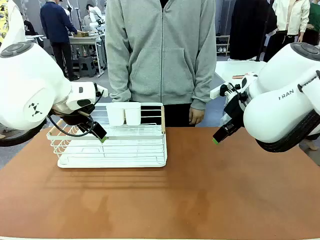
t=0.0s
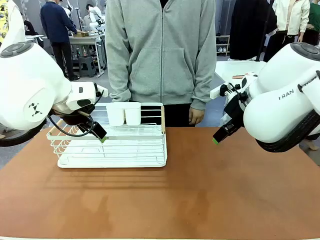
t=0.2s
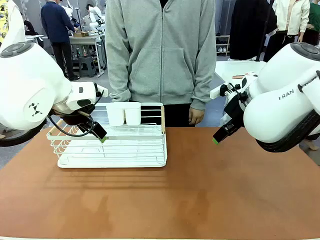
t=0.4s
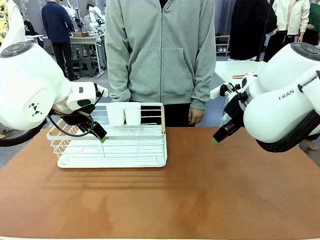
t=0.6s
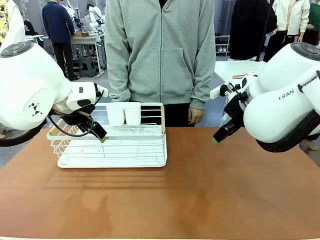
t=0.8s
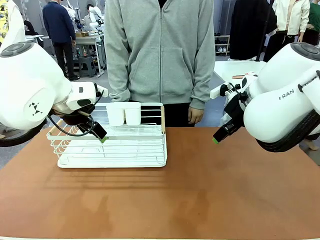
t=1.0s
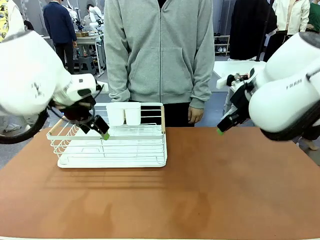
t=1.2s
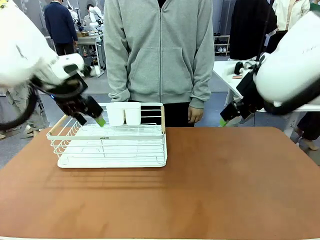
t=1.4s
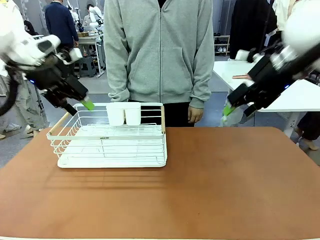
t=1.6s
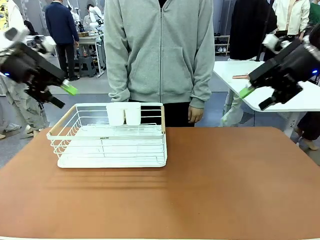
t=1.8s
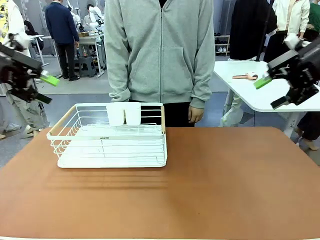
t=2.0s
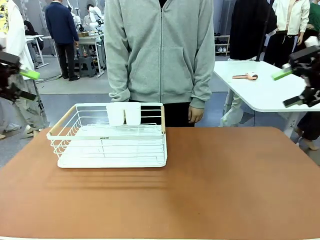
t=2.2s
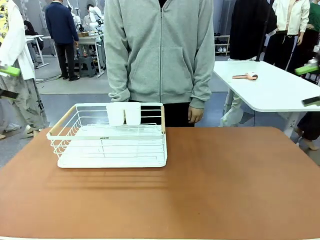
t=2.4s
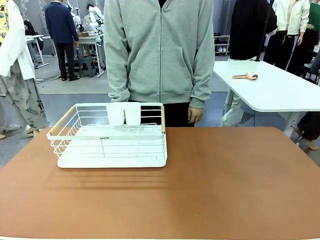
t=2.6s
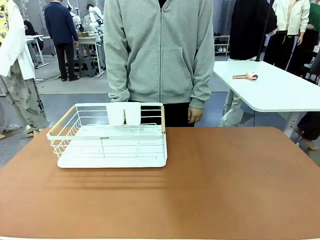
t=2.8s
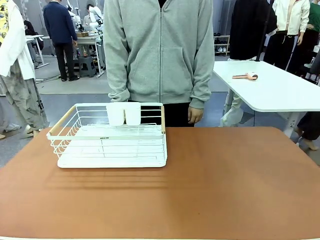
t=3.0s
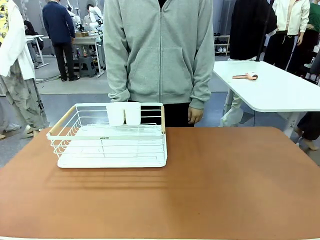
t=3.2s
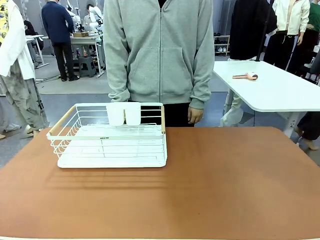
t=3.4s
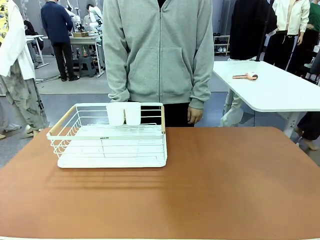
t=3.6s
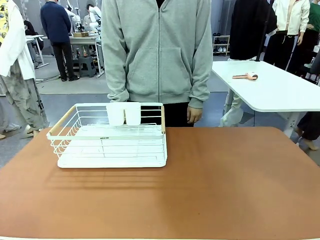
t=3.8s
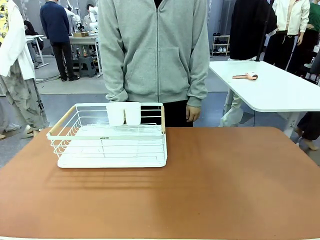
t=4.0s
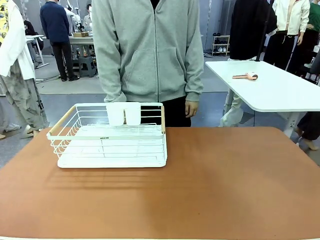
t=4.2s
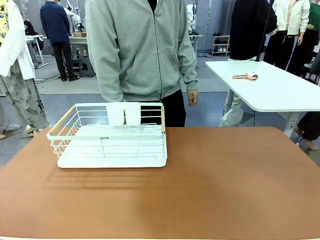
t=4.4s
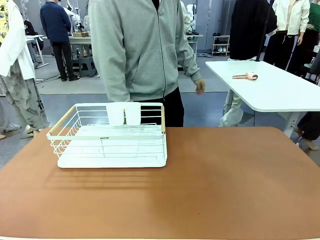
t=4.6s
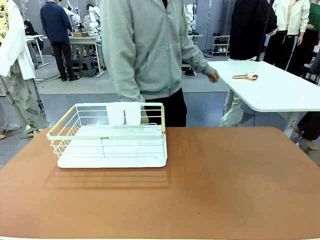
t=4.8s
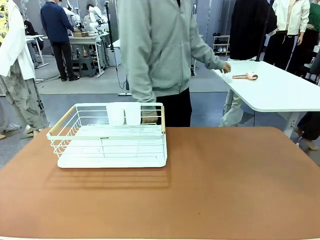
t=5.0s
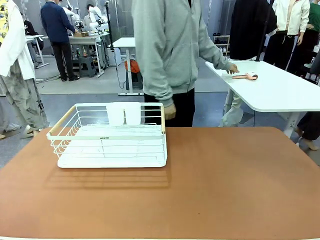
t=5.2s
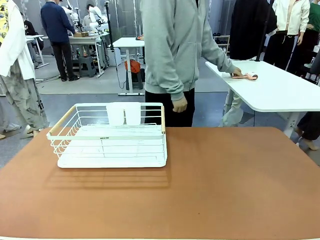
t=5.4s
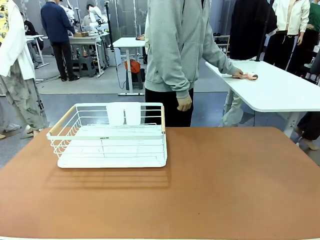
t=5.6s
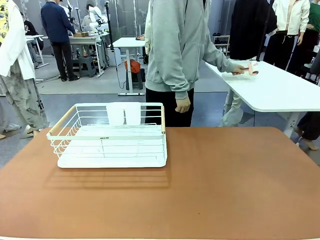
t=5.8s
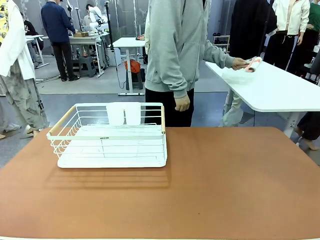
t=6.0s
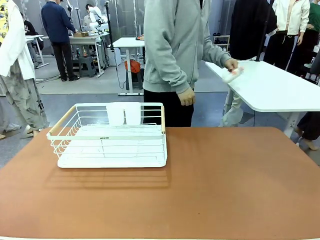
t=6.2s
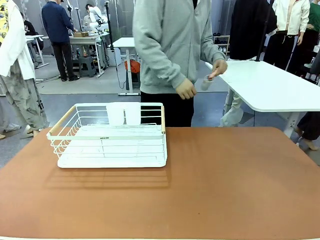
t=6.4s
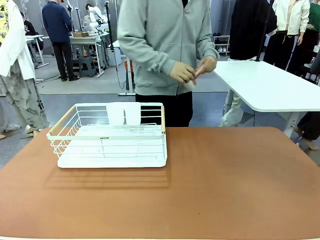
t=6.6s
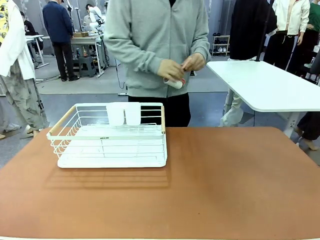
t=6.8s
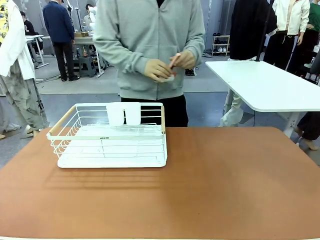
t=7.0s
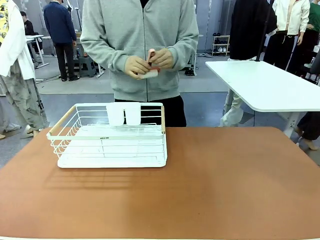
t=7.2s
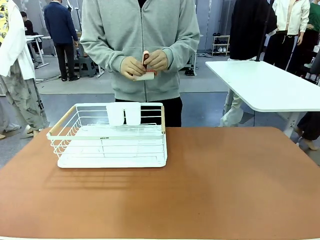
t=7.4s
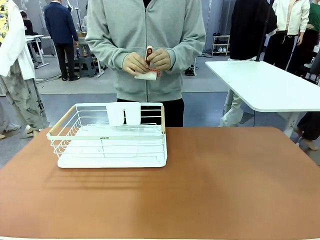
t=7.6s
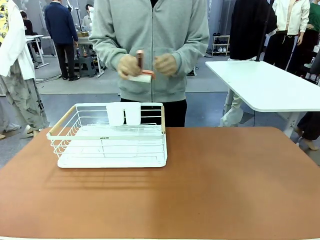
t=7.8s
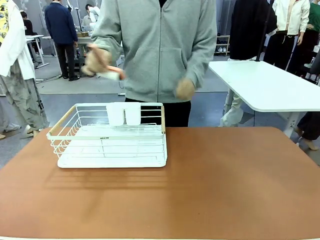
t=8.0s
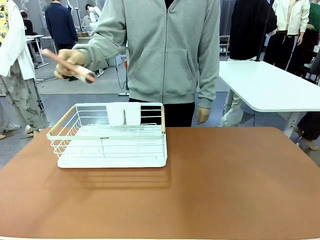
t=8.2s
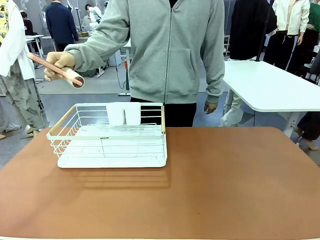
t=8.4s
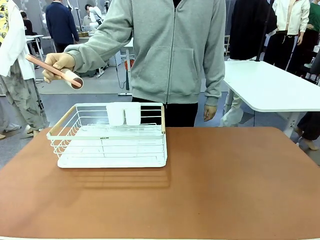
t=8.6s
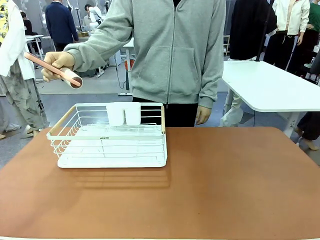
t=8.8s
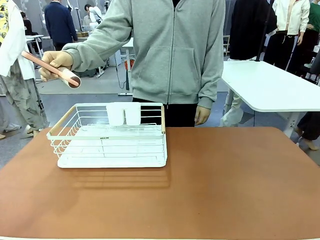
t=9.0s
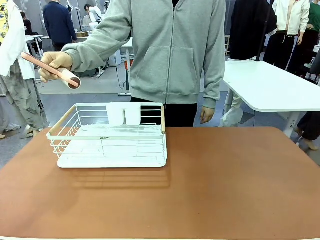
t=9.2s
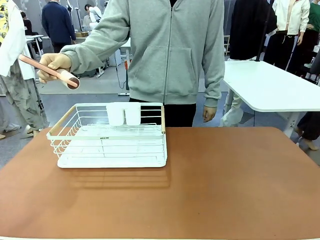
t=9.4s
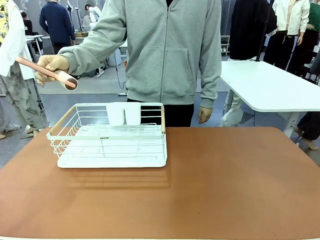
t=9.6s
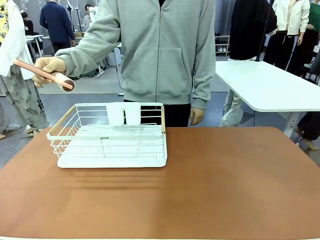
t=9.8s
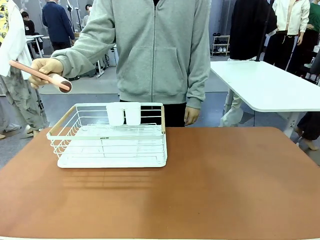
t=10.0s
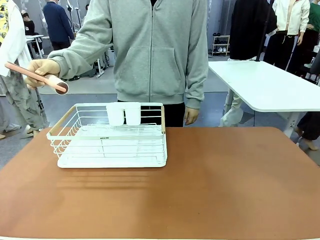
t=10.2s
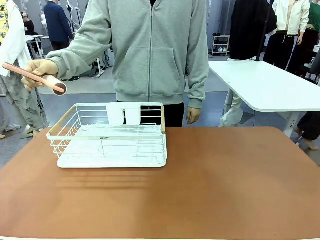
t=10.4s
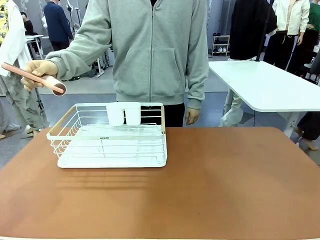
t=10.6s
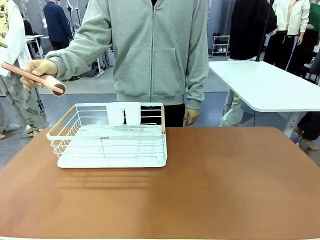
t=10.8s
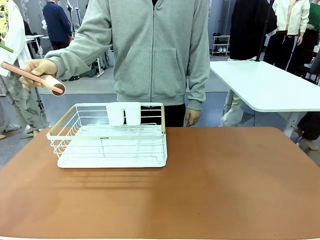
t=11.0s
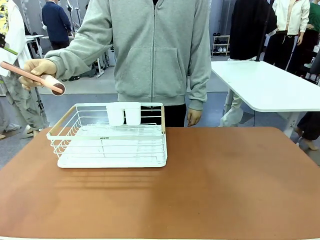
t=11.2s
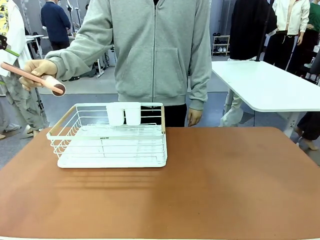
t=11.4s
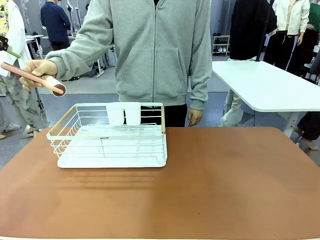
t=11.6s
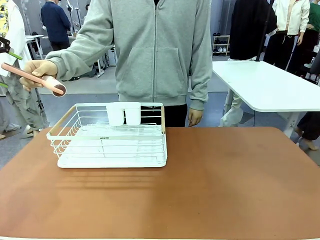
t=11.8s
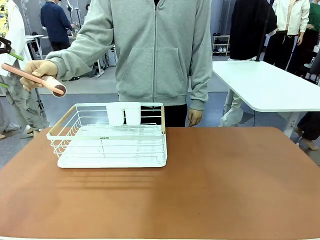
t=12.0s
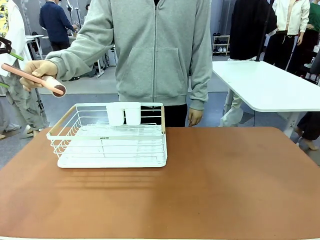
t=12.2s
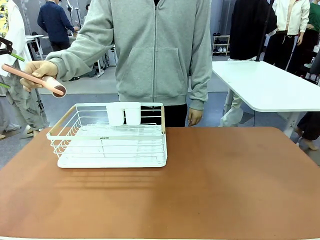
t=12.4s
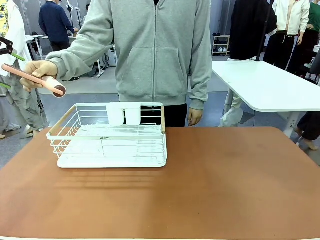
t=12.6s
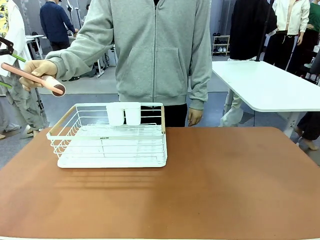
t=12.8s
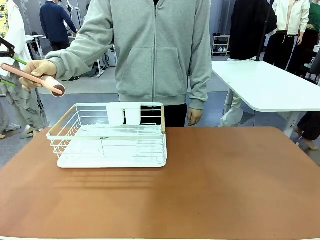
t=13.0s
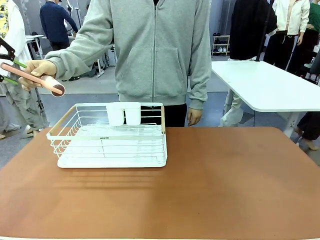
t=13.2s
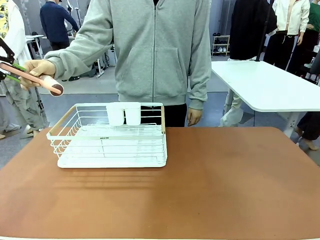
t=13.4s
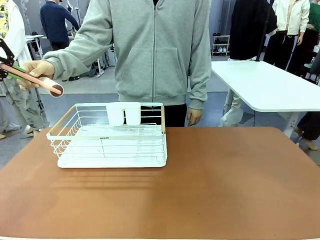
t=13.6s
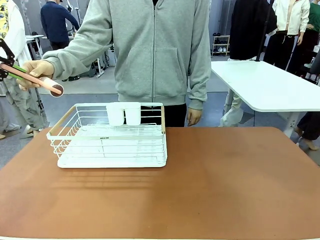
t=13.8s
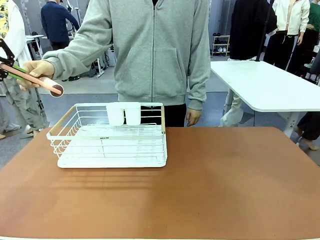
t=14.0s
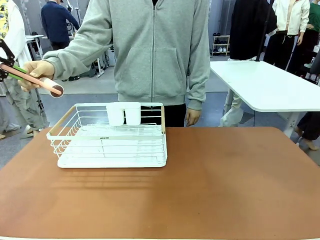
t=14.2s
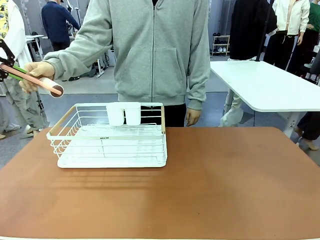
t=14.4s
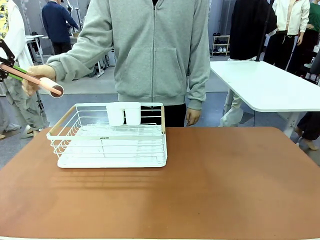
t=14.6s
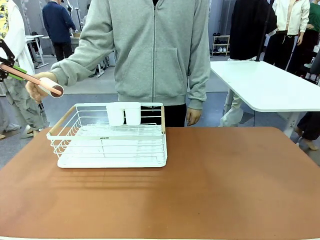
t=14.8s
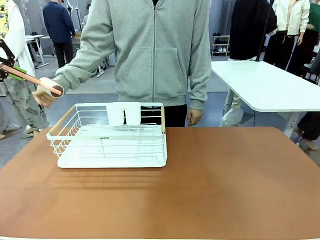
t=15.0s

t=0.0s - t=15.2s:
Task: Clean the table.
Robot: Pick up the Lint Roller when the human hands it over.
Person: Hand the Lint Roller to the robot so it can easily pick it up. Lift the Dish drying rack.
